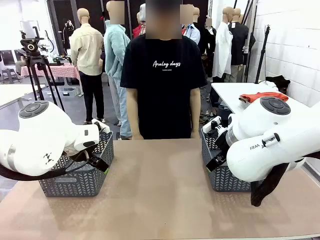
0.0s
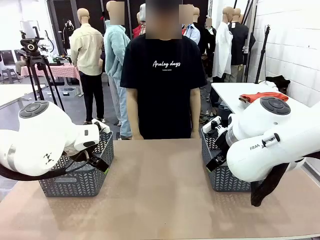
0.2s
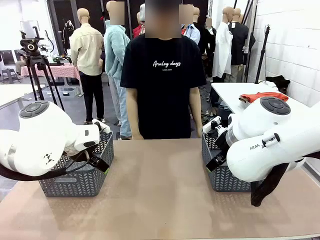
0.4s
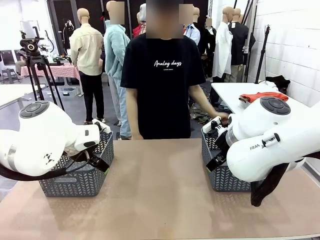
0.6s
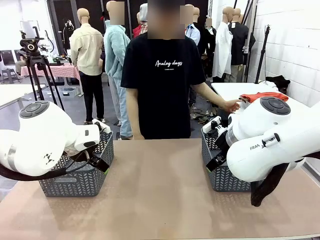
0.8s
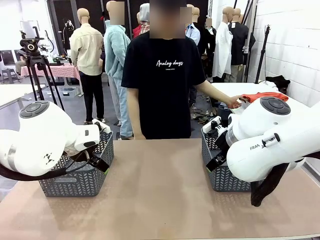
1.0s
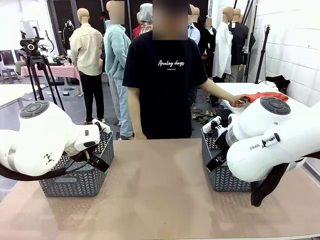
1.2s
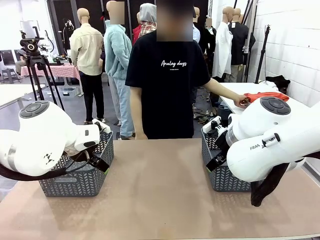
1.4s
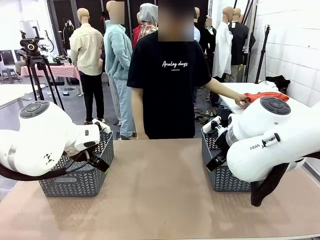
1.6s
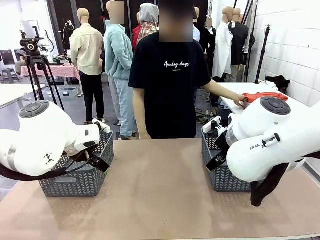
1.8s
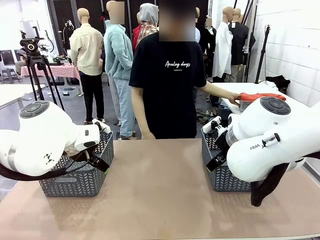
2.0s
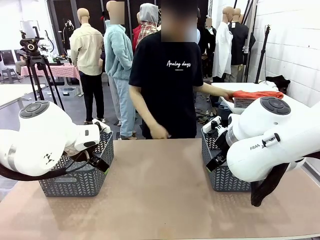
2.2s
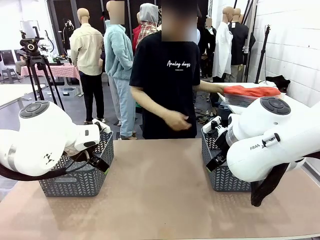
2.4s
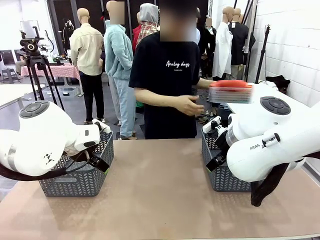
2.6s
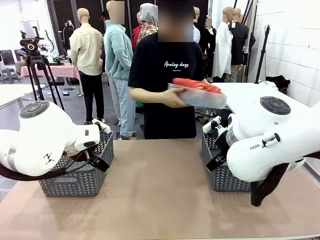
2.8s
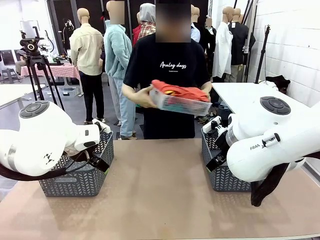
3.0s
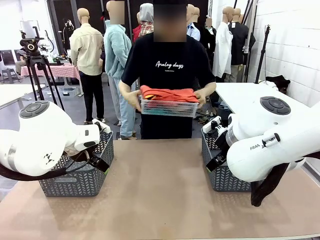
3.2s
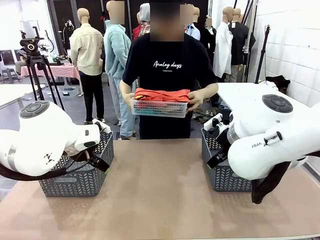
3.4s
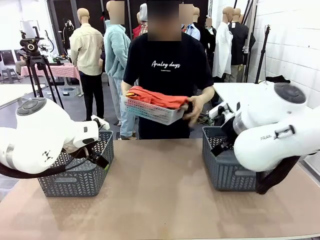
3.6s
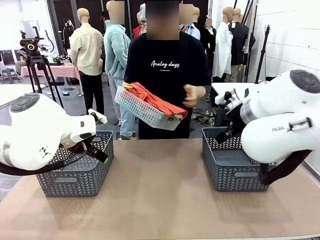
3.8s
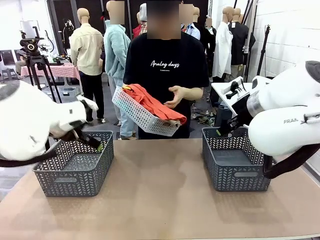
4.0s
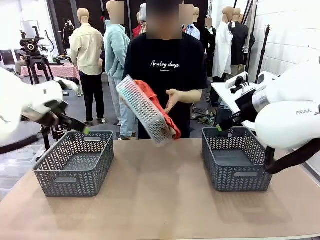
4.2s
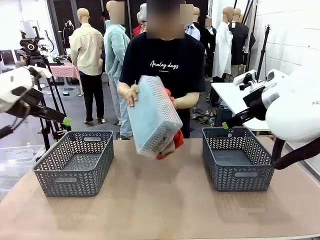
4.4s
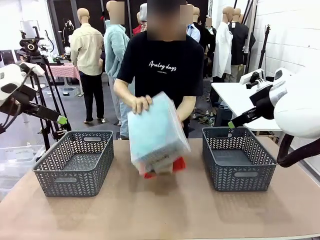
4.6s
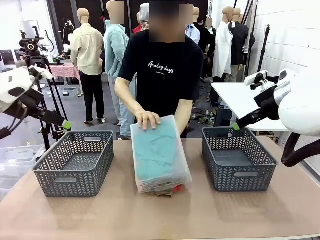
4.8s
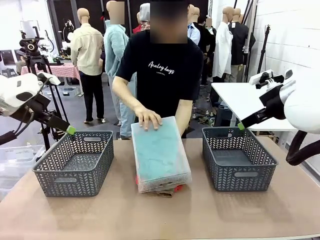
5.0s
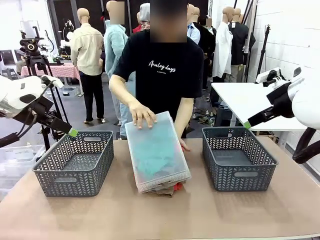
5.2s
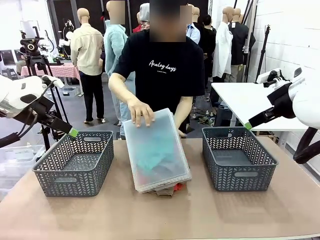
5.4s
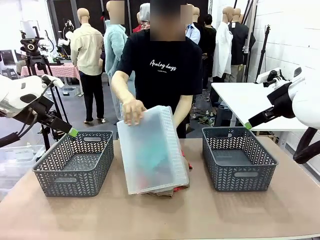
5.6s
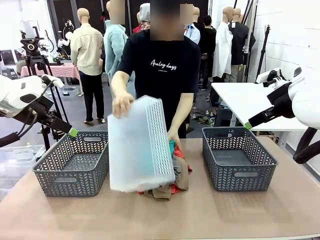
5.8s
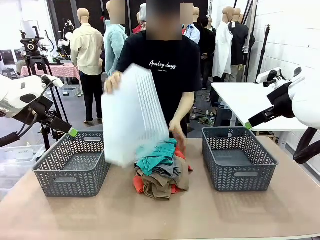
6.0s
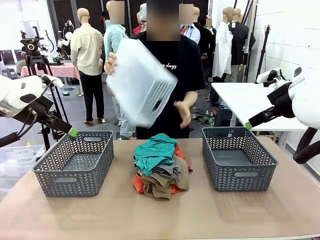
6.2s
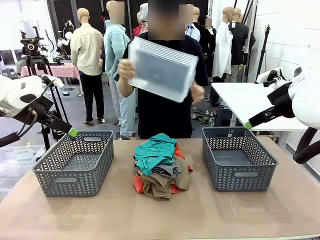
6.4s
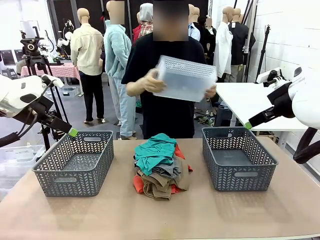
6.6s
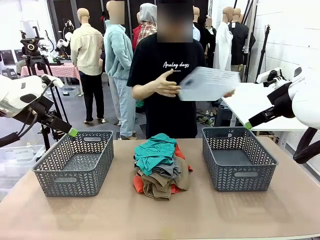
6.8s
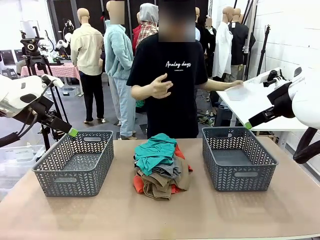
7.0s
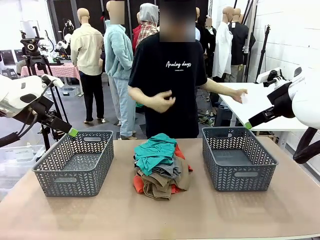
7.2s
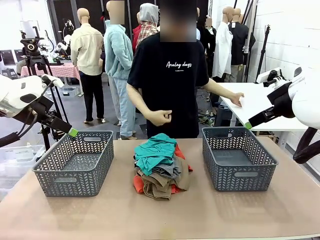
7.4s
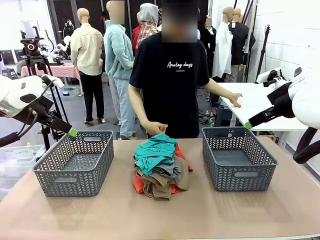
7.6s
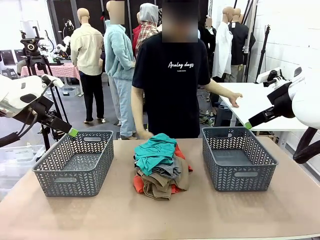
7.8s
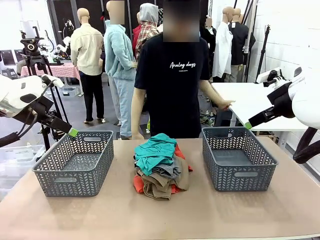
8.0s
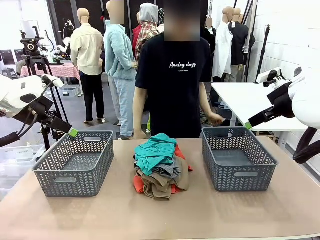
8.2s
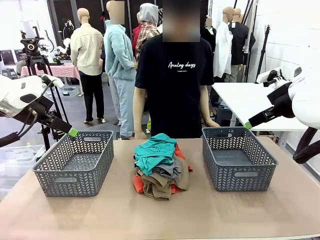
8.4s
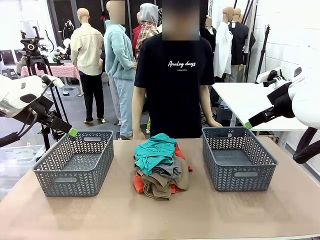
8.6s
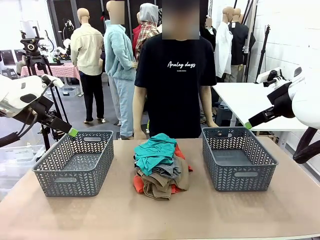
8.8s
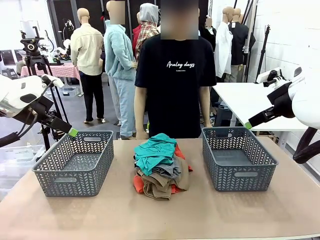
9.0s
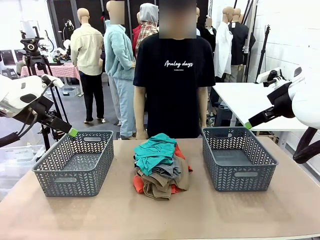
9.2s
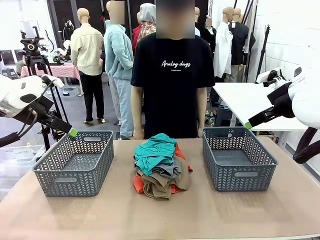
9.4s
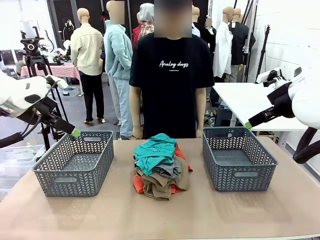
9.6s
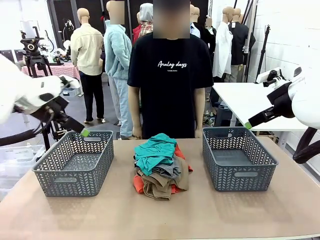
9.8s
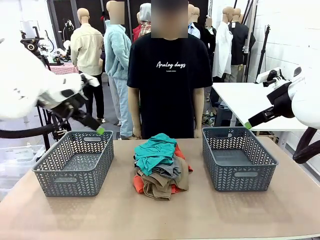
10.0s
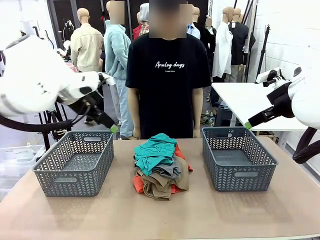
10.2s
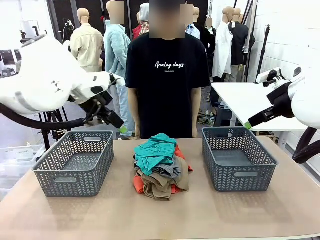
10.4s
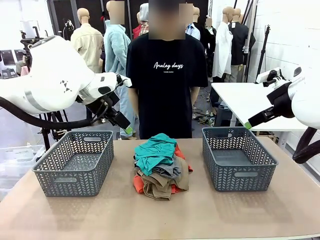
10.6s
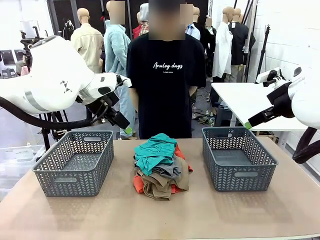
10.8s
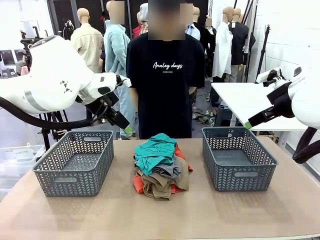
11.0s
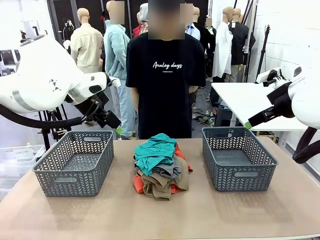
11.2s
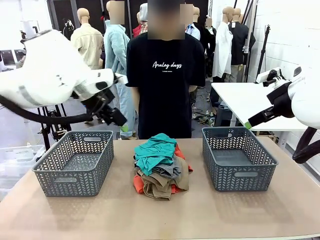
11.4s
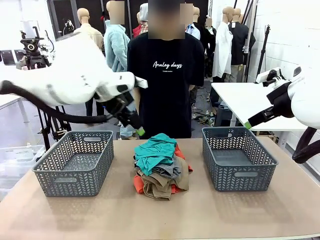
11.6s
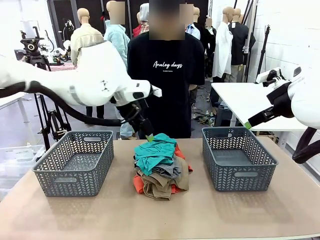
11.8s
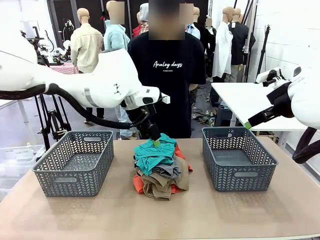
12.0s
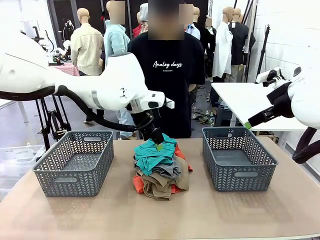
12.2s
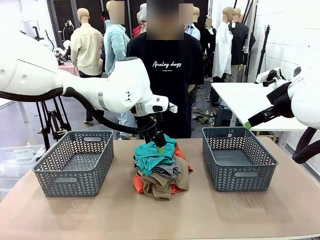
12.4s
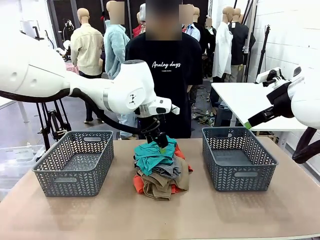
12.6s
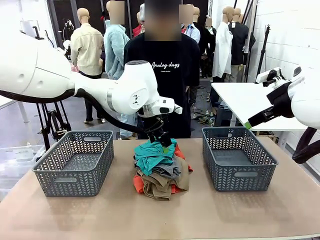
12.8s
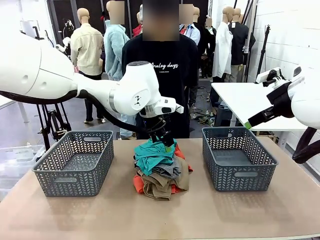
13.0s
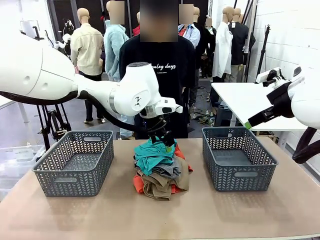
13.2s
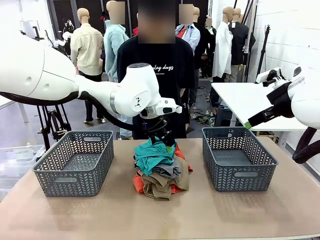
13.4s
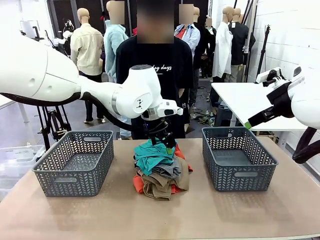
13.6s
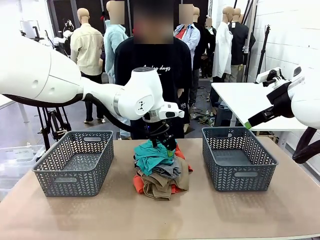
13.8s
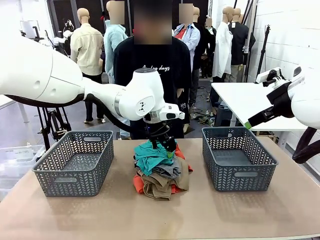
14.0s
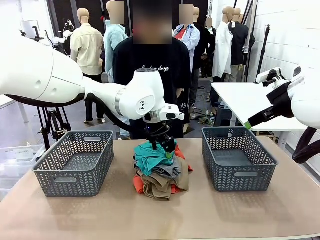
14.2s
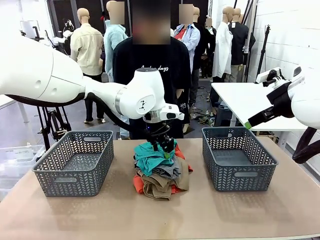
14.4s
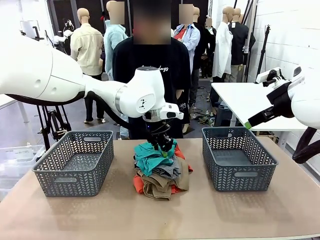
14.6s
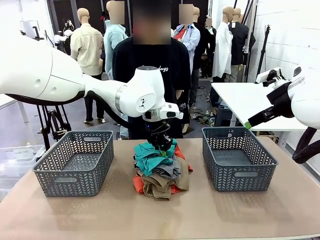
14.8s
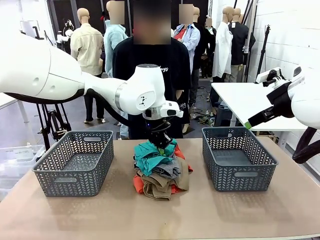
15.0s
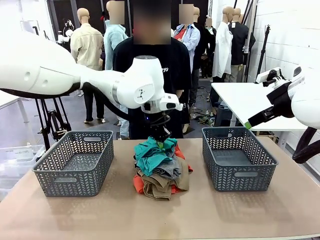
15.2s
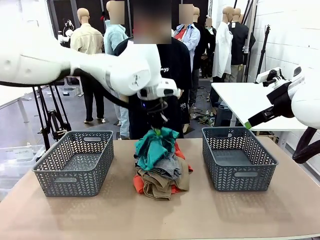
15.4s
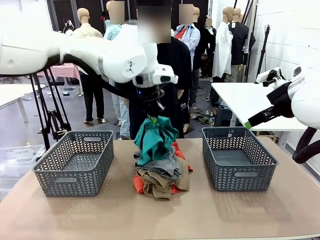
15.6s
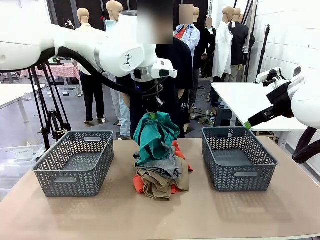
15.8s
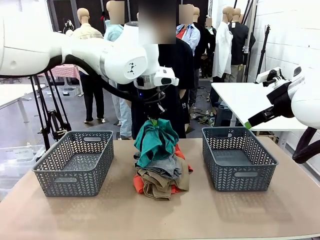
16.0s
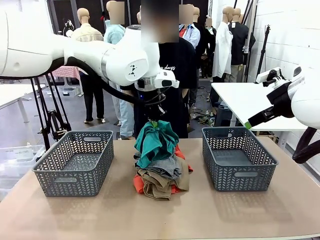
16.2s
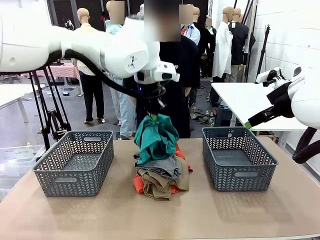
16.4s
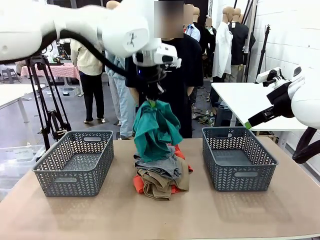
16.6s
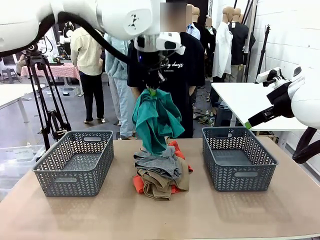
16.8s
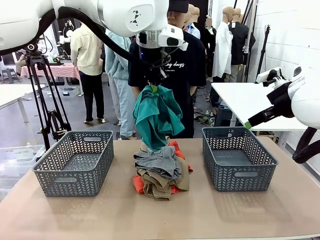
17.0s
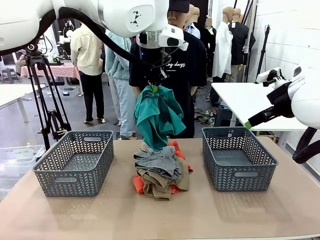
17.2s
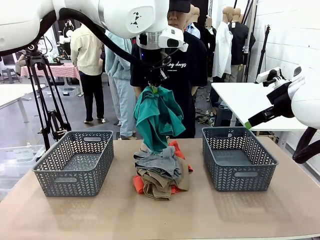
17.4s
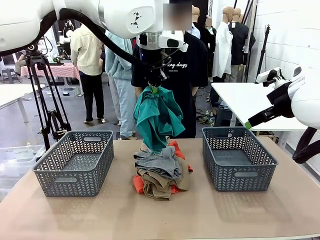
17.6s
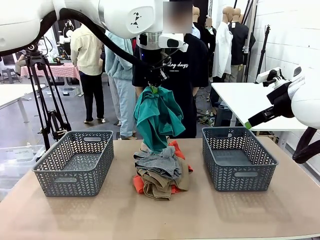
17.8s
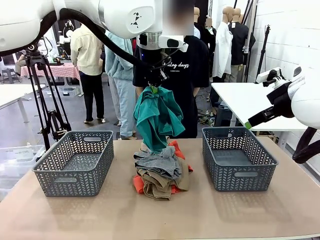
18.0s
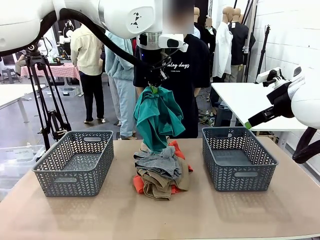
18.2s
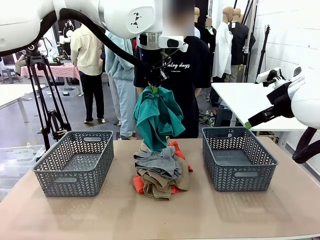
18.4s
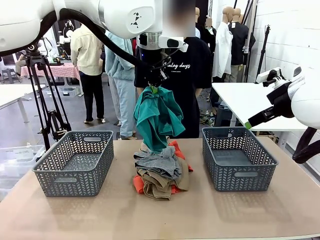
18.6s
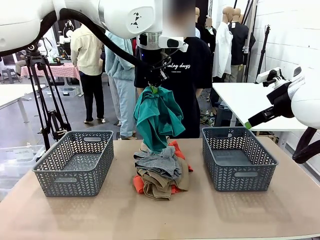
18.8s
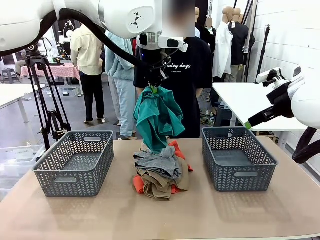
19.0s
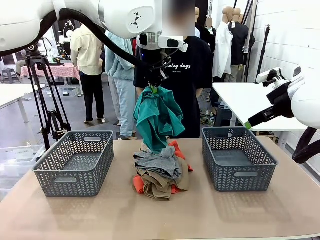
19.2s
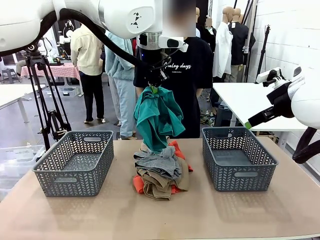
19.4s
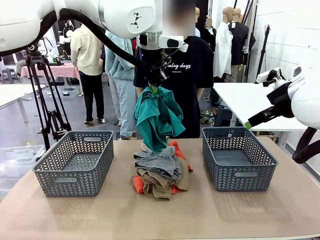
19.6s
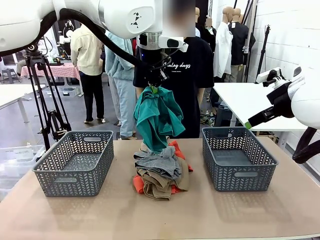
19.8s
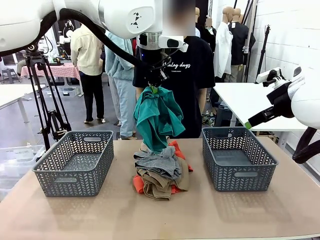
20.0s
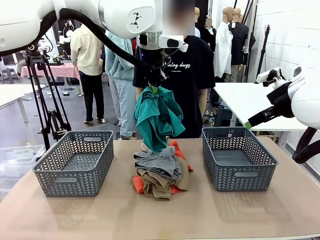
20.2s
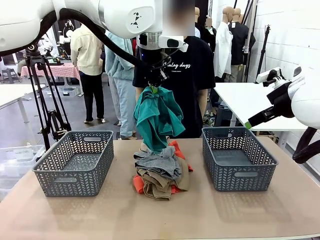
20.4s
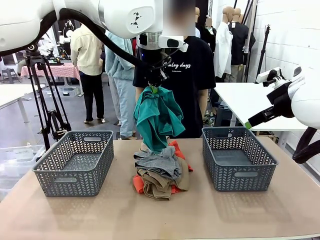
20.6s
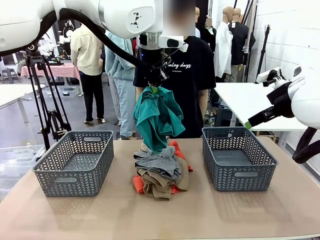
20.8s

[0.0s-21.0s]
Task: Sort the tops and bottoms.
Robot: Lift clothes from the center of the table with your left hand.
Person: Pour the clothes from the basket onto the center of the robot table.
